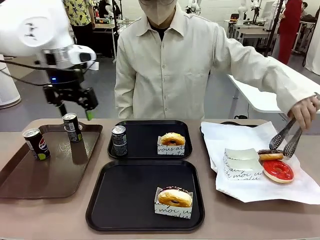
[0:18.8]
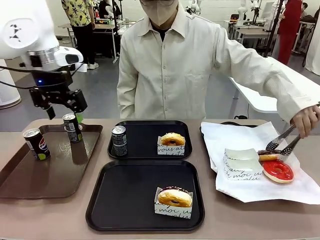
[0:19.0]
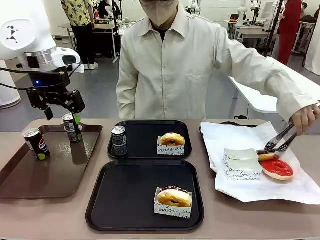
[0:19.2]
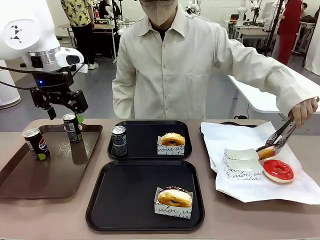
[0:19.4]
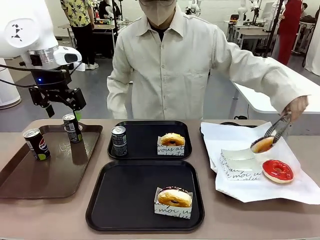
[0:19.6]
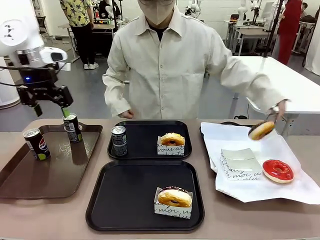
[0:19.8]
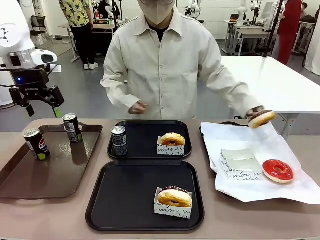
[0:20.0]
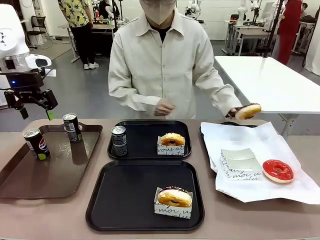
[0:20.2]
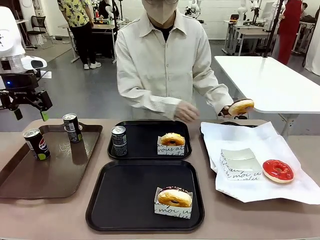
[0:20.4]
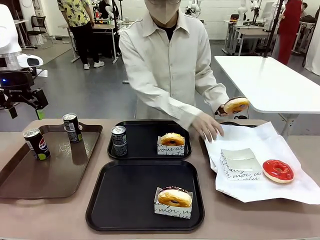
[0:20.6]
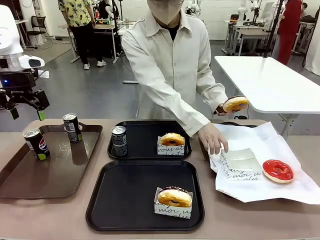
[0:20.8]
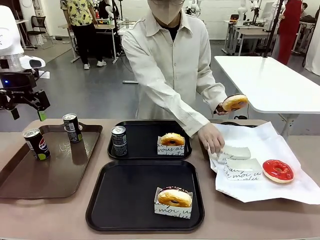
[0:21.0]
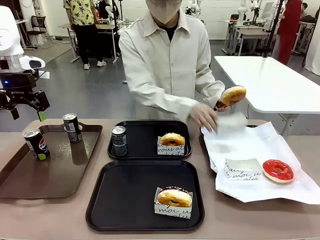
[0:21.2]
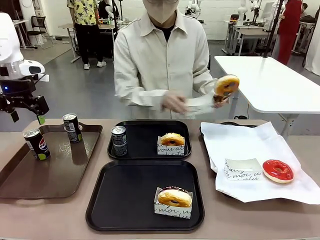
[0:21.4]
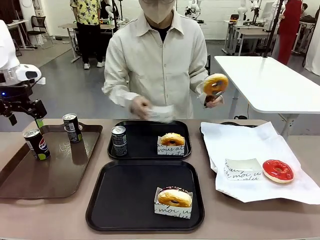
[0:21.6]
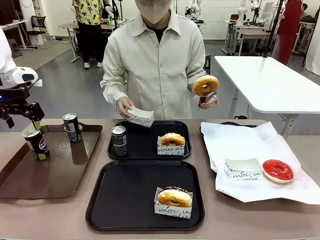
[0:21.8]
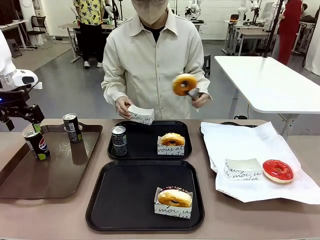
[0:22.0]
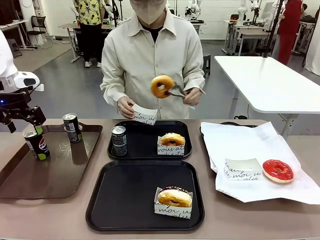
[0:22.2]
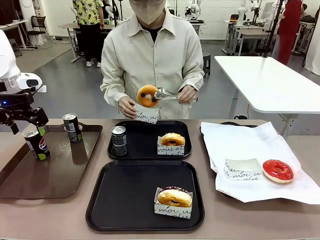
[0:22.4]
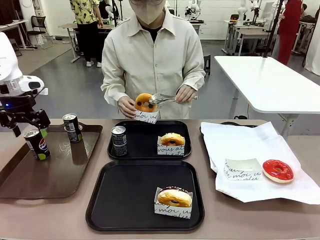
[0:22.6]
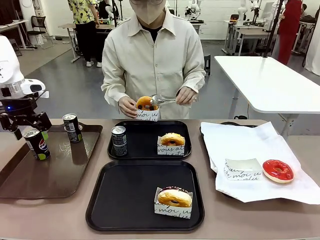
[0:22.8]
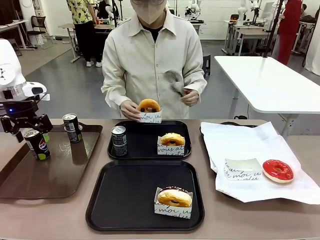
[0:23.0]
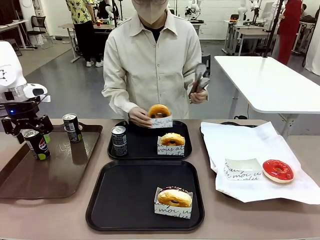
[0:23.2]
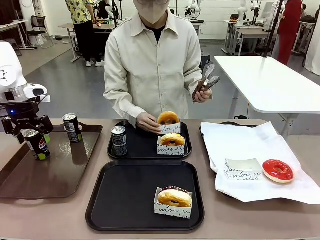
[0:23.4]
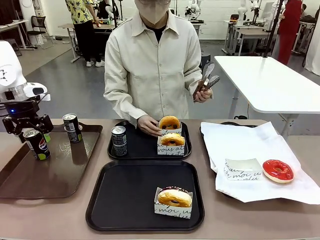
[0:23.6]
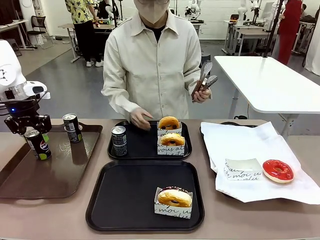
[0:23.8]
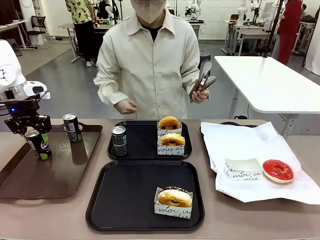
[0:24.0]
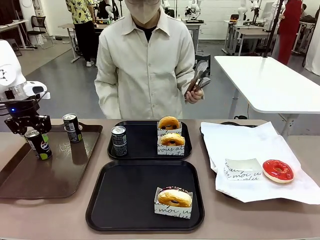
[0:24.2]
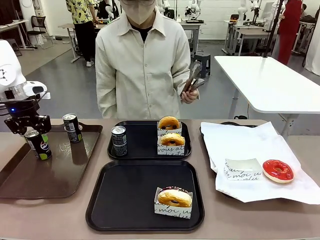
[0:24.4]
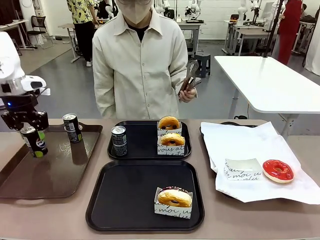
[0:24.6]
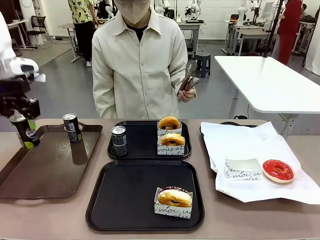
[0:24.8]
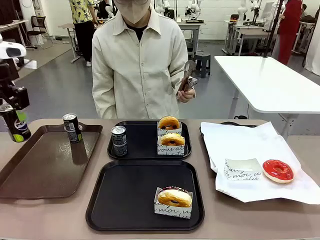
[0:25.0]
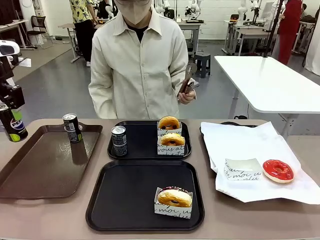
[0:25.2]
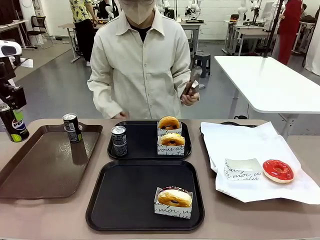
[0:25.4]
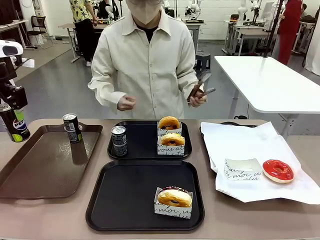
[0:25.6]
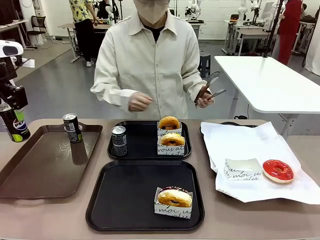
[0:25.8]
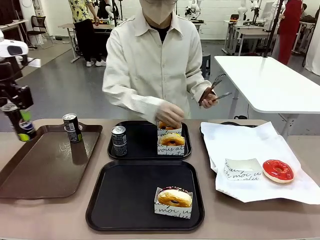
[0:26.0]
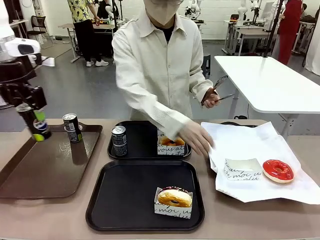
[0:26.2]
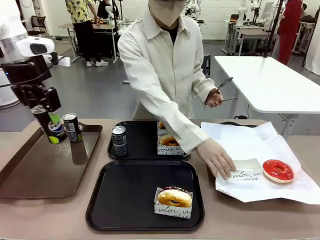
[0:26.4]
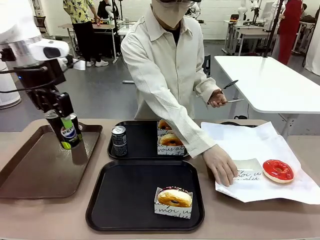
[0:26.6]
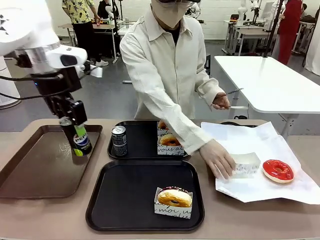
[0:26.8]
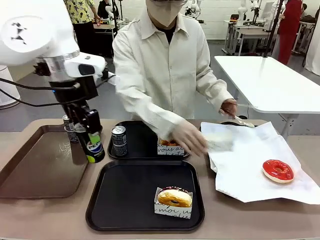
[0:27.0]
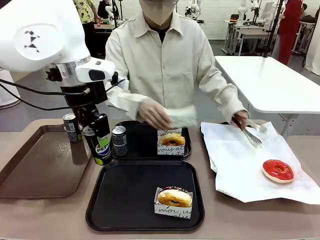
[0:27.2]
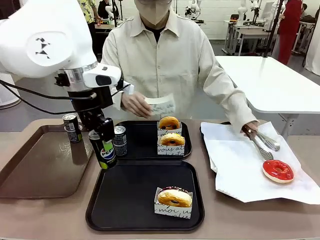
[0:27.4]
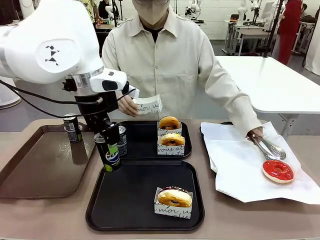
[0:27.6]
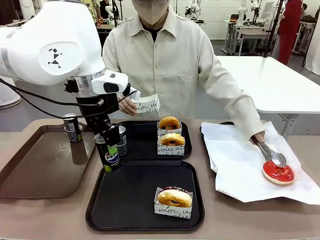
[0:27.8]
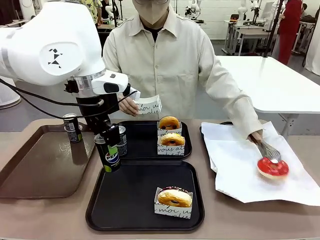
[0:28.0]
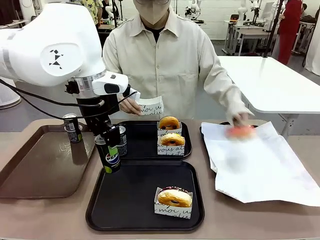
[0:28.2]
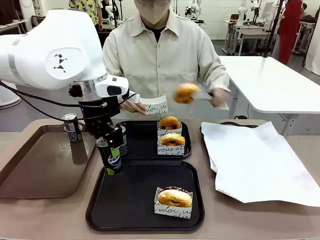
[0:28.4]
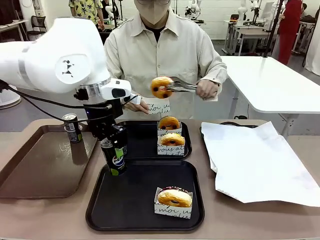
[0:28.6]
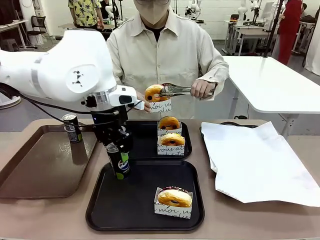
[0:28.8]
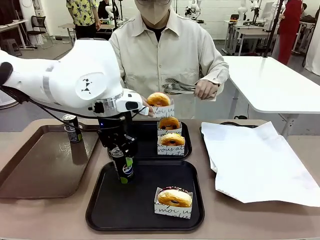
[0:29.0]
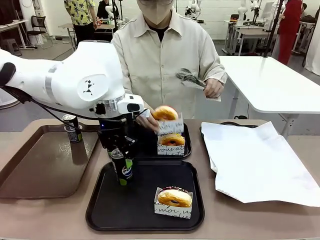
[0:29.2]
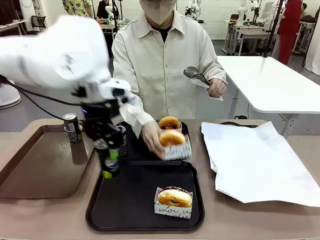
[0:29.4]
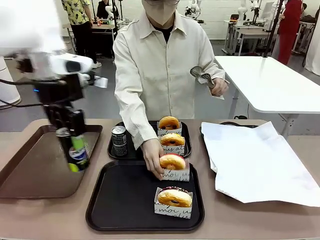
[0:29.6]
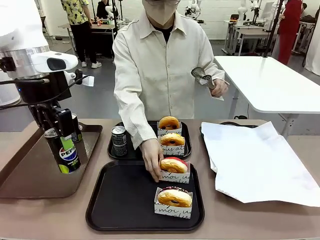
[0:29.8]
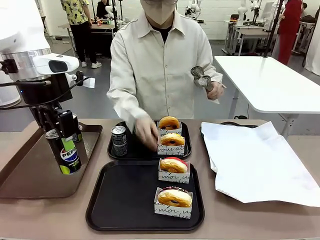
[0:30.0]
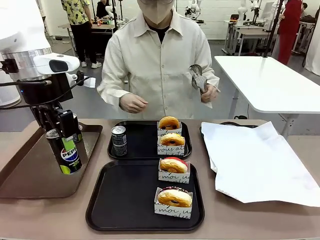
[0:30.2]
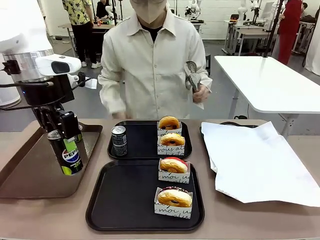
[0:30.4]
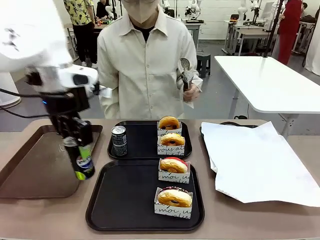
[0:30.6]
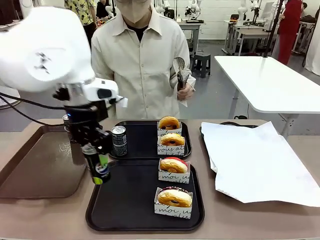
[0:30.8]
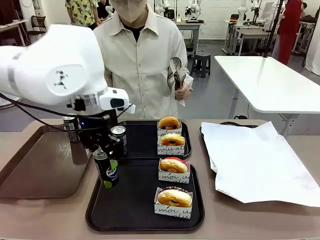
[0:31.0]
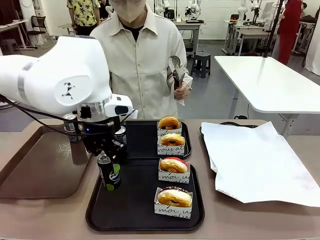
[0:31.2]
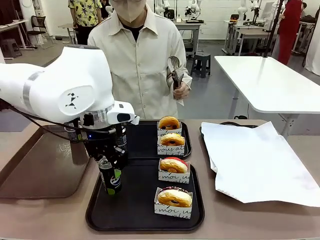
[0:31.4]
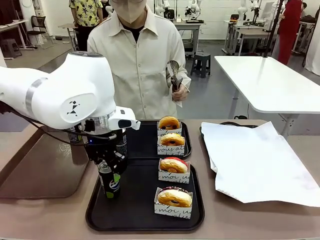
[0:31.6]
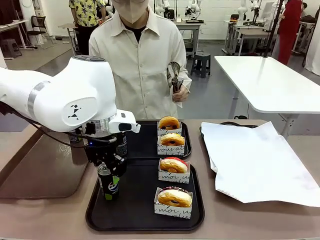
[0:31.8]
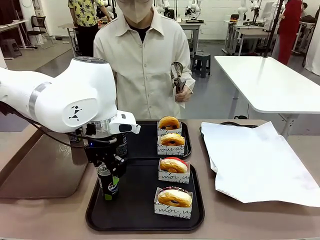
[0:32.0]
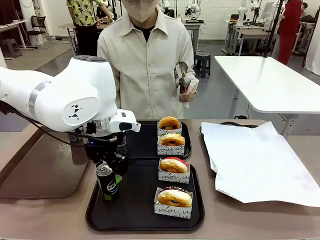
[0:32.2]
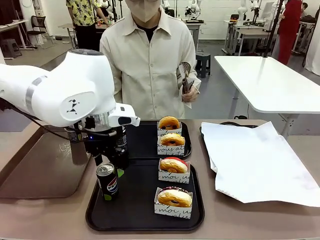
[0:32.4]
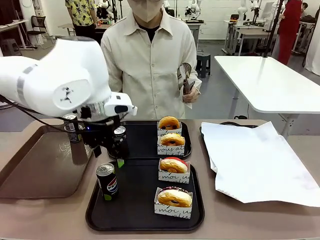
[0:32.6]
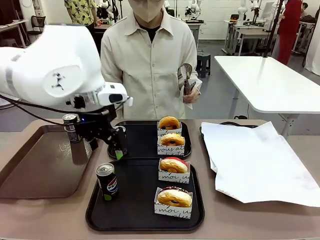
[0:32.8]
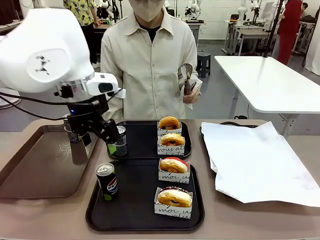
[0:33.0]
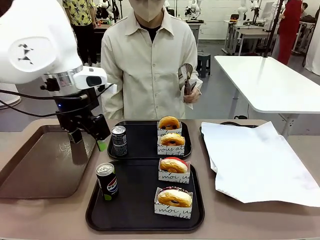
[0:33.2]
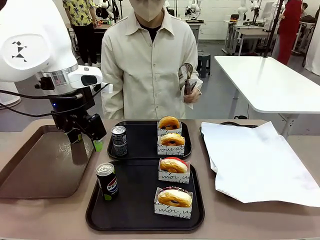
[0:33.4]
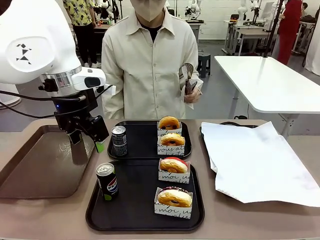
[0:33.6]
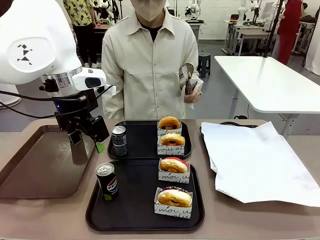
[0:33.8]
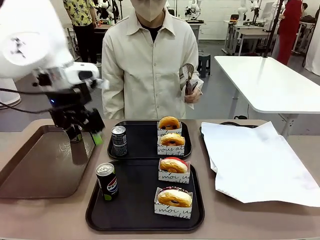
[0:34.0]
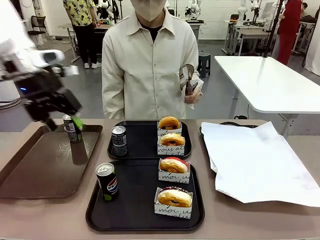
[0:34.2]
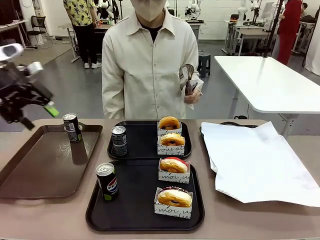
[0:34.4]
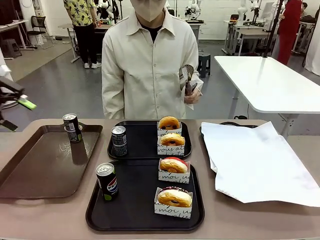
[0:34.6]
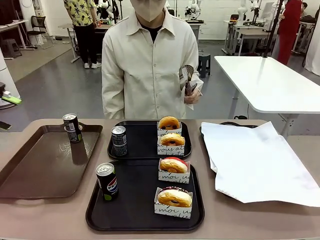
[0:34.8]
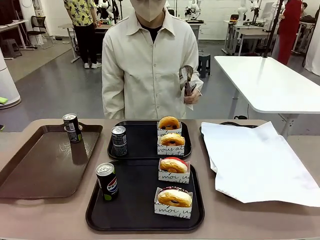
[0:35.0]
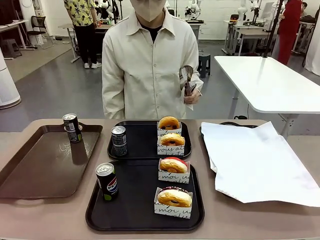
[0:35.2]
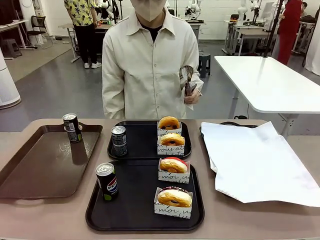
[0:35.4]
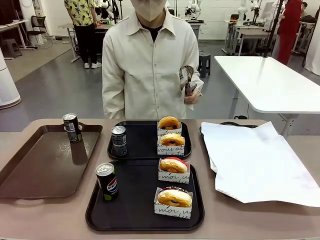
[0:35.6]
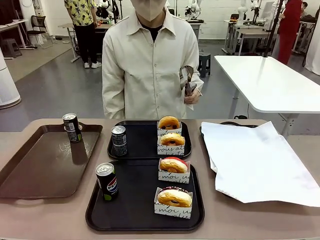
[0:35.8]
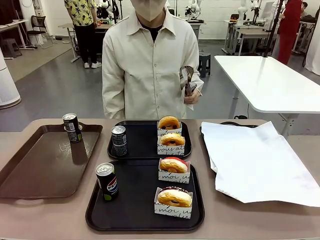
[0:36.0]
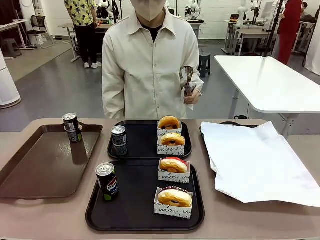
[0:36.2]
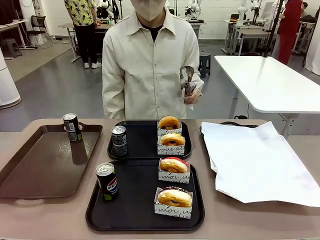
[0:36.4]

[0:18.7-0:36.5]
Task: Set up donuts and drinks on trays.
Robot: Pick up one Pepsi coke from the Handle tray and place it on the Flat Tray without a Pepsi coke.
